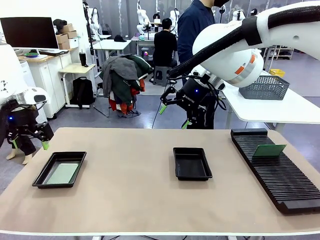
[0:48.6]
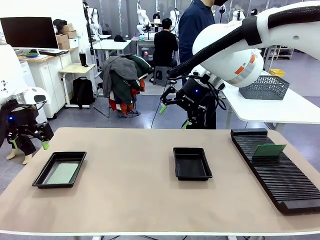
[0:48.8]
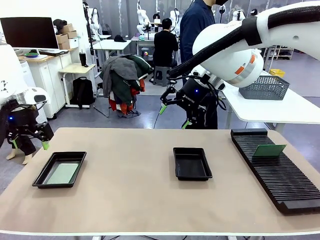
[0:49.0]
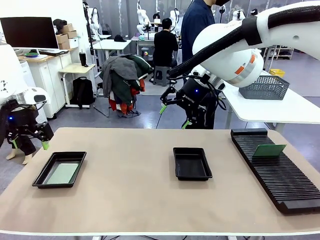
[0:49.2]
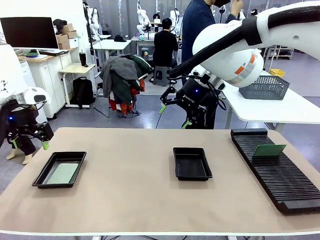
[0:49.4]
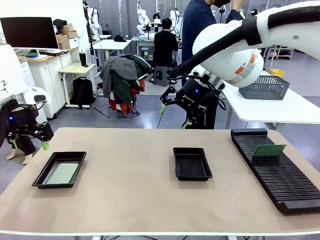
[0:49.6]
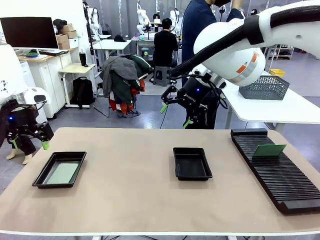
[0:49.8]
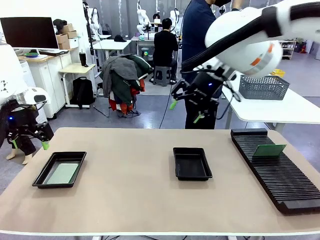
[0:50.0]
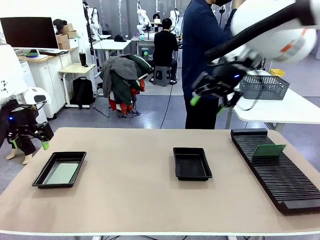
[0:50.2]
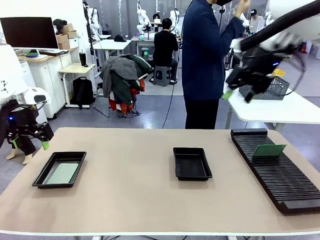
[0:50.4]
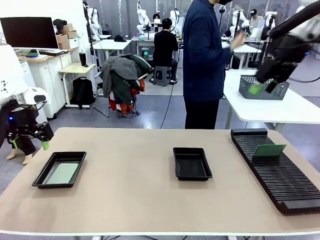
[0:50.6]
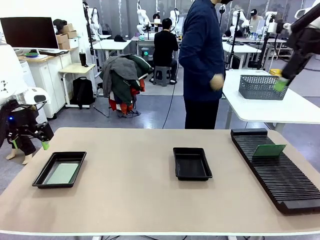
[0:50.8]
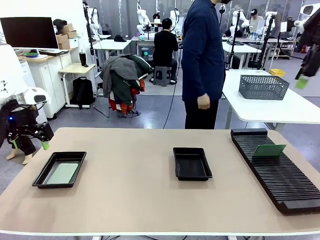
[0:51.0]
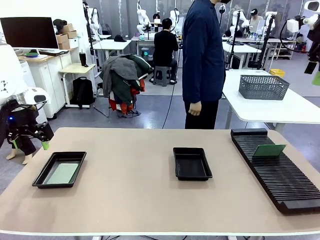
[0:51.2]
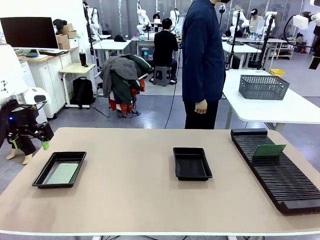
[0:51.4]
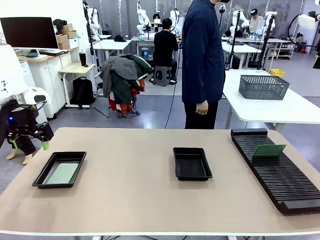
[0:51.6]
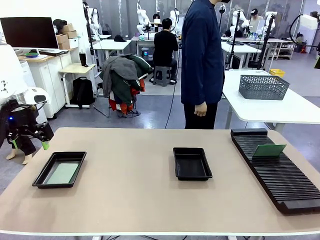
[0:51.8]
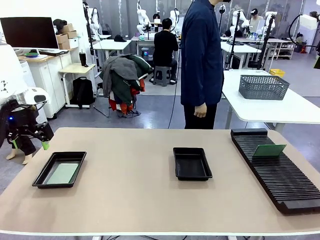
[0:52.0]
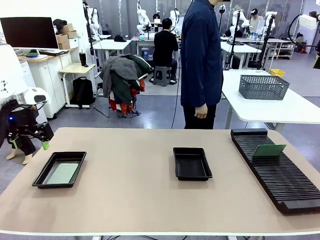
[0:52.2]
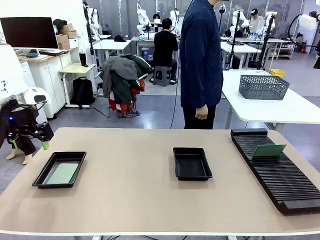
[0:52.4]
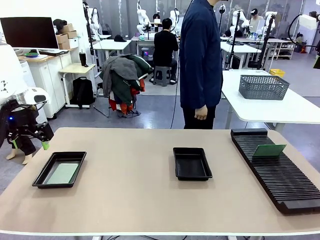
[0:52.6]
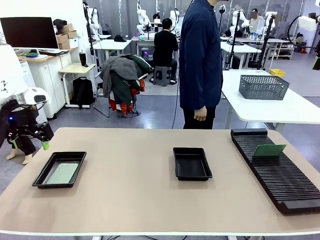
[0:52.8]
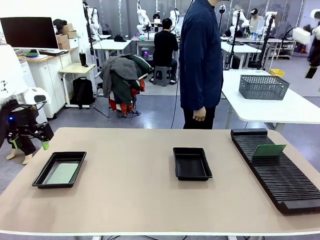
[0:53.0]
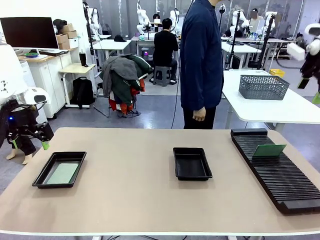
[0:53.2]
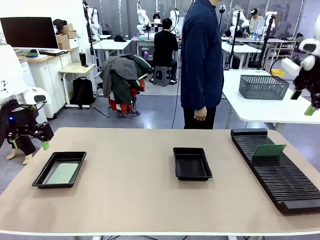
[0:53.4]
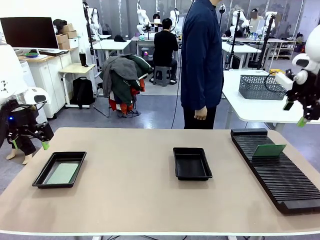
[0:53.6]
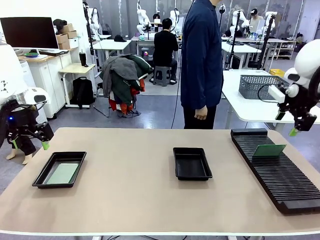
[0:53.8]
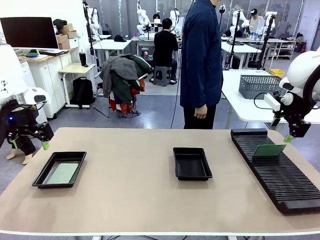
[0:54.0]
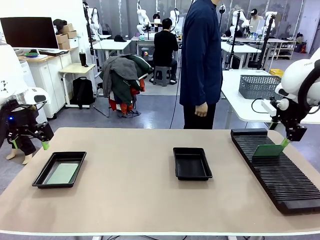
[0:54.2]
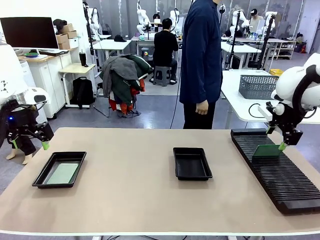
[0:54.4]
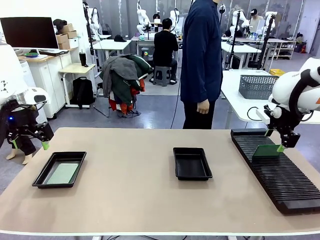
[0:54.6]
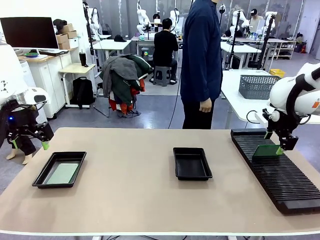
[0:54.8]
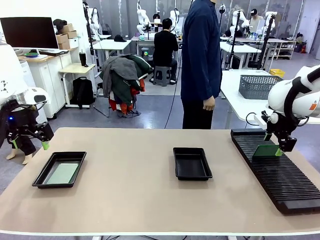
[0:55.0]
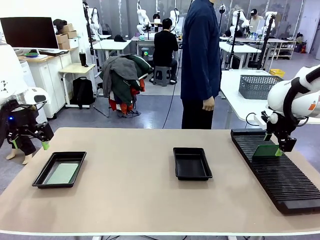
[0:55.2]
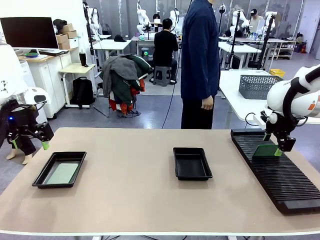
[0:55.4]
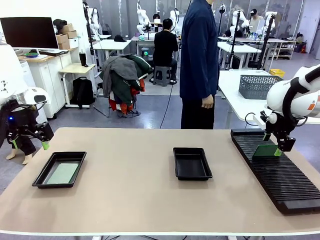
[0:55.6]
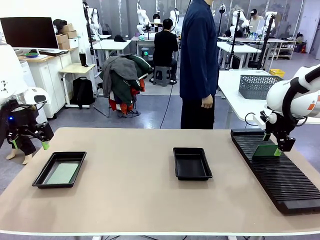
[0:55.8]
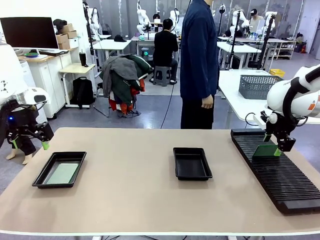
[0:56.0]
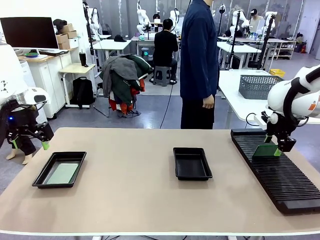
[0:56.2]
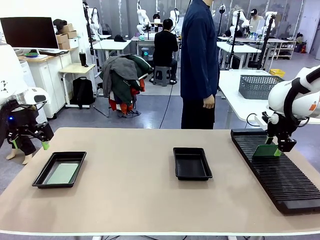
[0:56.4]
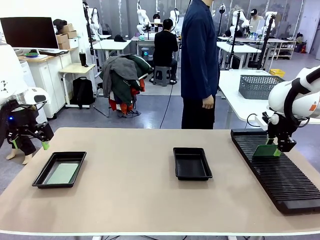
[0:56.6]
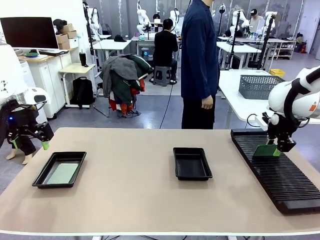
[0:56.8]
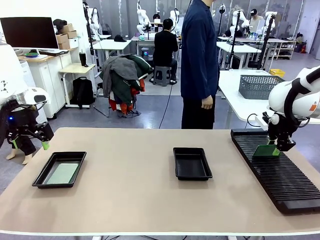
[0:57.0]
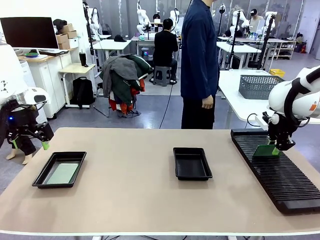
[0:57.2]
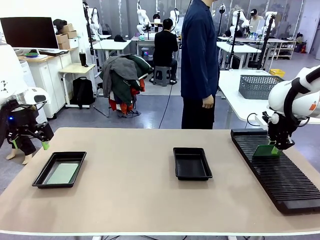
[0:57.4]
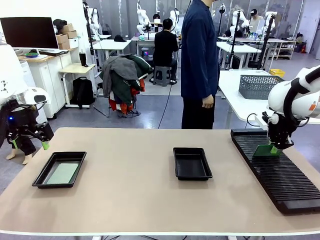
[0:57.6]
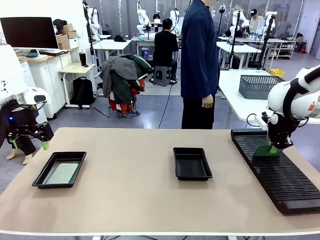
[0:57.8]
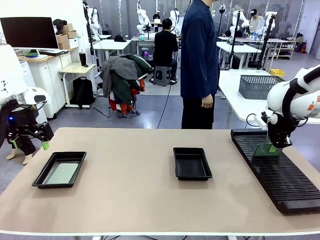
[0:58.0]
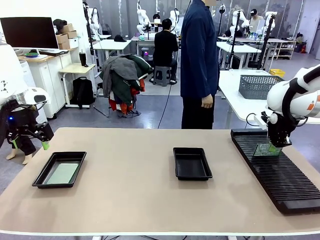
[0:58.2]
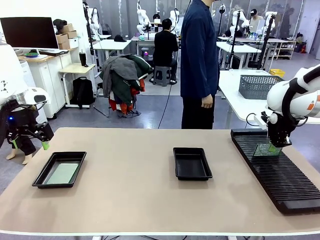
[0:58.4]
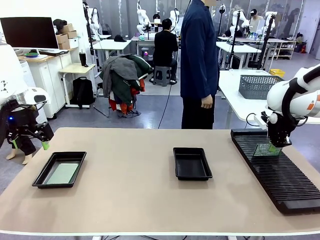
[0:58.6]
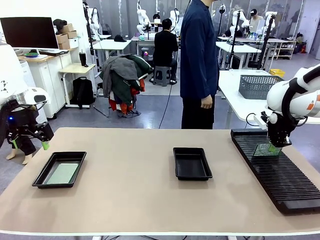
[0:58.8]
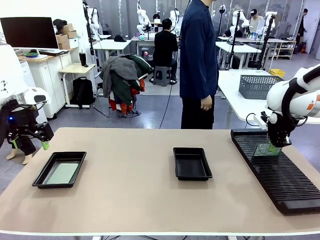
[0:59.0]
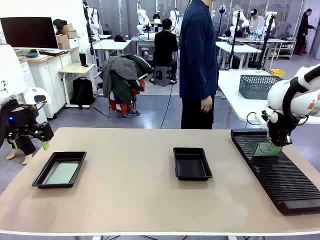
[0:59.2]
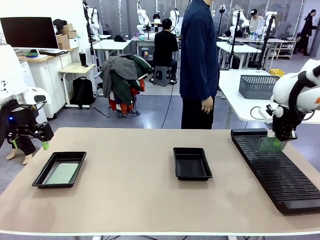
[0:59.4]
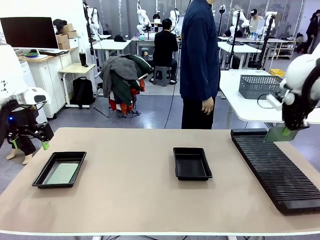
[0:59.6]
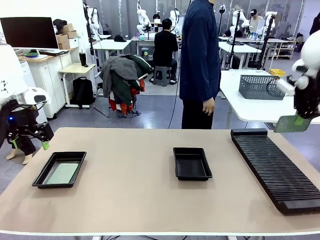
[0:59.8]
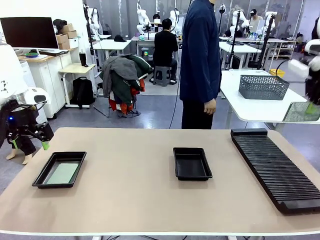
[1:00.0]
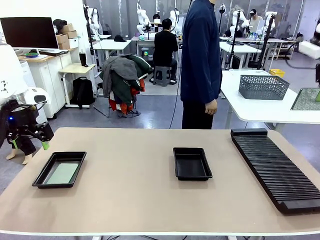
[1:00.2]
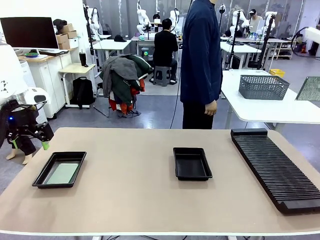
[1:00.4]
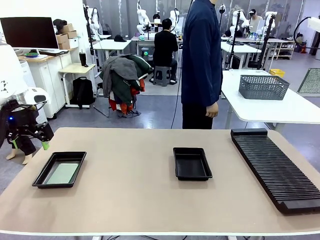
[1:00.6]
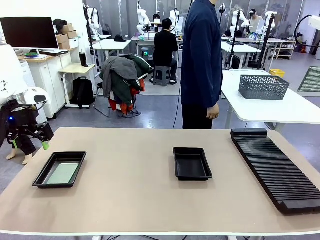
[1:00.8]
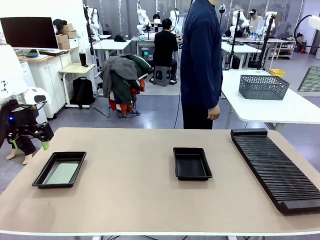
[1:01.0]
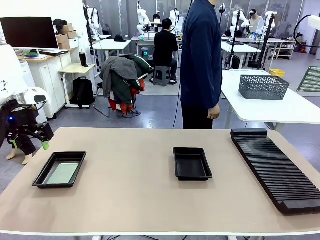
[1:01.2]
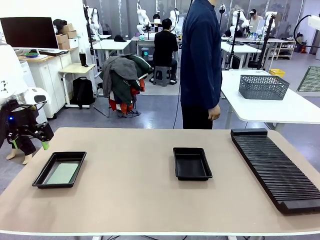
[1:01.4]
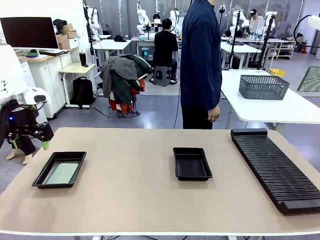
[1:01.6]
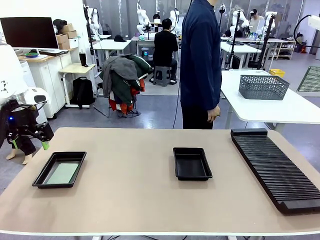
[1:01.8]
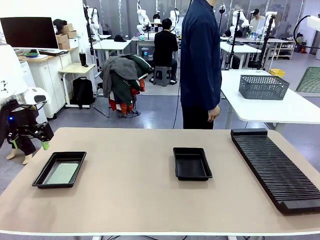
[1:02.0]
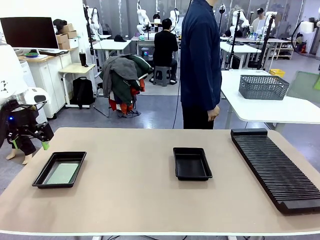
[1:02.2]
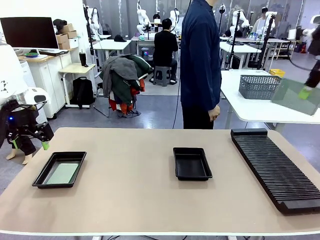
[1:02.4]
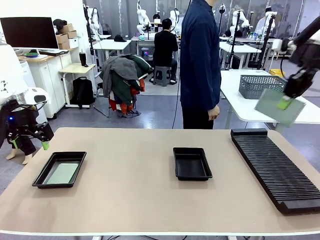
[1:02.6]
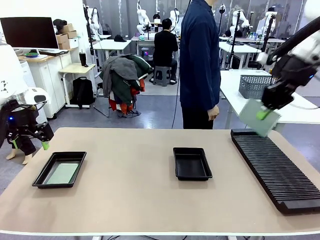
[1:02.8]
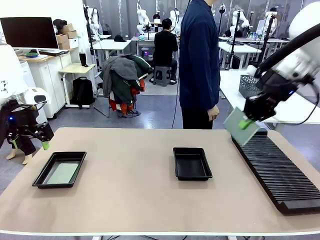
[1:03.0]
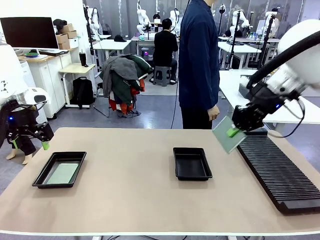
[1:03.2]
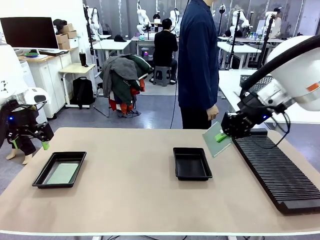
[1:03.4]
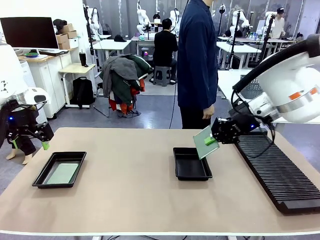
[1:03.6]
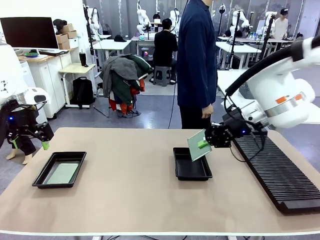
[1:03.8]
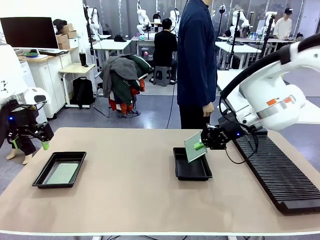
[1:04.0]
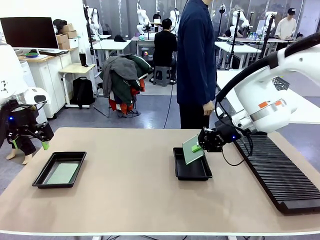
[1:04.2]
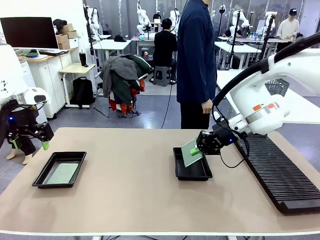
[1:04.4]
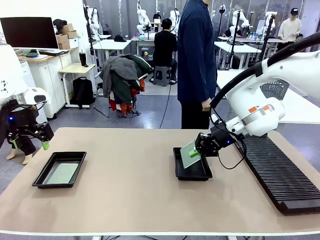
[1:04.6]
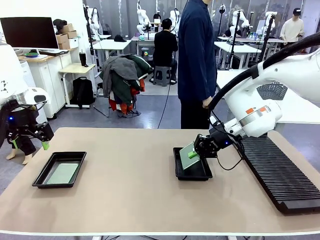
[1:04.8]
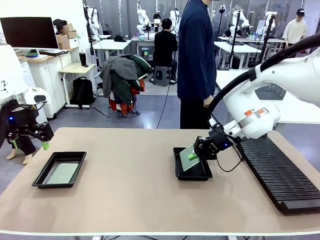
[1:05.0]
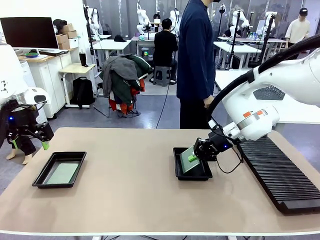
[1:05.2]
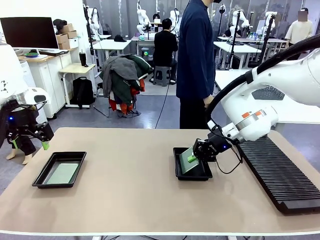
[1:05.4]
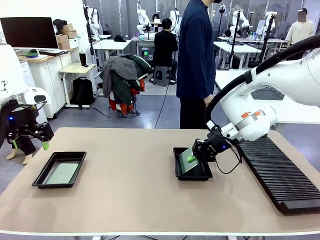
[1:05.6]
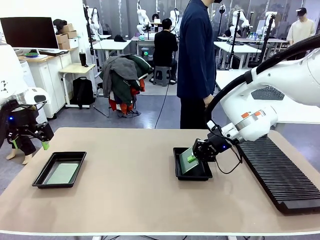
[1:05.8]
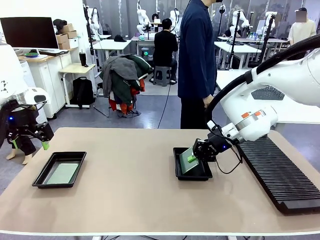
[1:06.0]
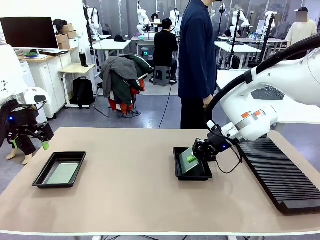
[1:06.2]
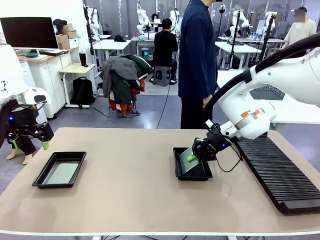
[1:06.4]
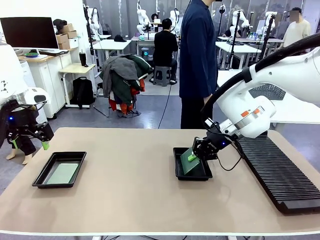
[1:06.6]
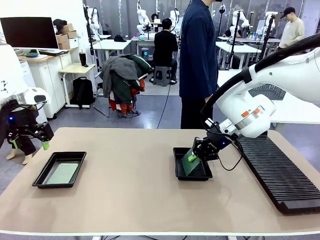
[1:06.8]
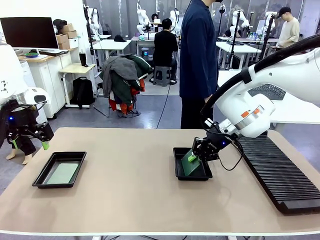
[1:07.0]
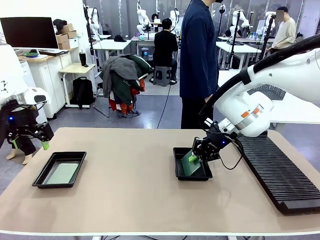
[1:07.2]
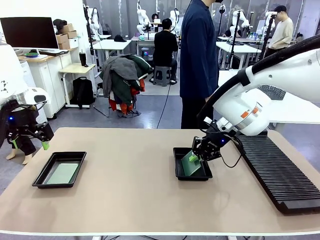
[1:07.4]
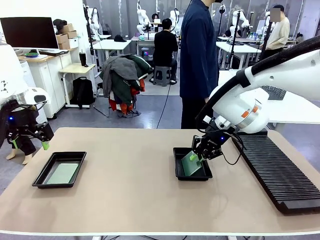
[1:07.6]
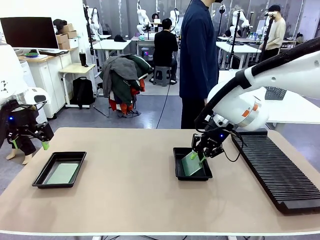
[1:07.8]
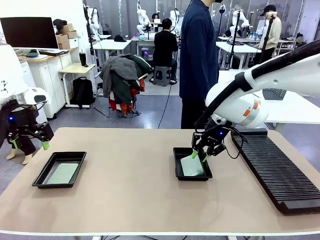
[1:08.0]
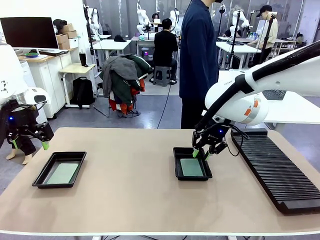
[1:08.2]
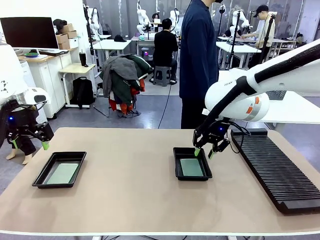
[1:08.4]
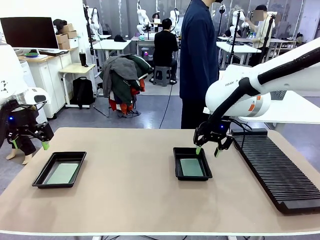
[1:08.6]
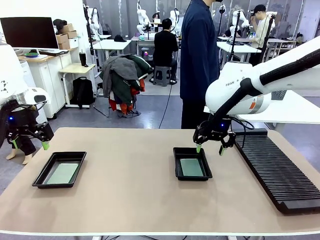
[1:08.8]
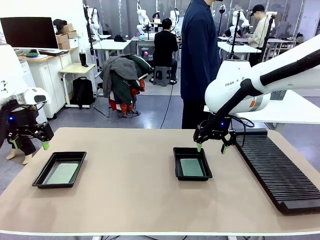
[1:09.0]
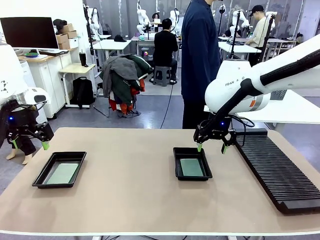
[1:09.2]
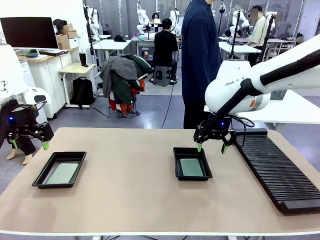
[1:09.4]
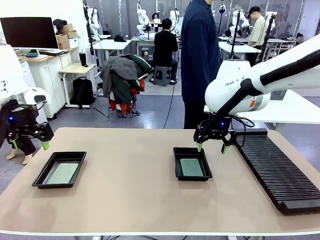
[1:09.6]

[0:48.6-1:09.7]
Task: Inspect and transfer BCBs to ESD trays.
Robot: Pick up the Blank PCB from the PCB Rack and place it in the right ESD tray.
